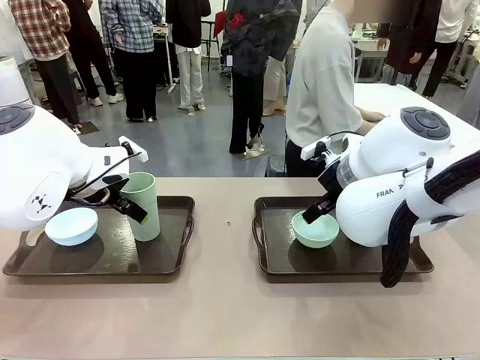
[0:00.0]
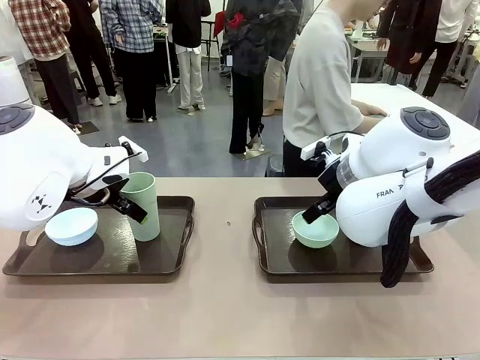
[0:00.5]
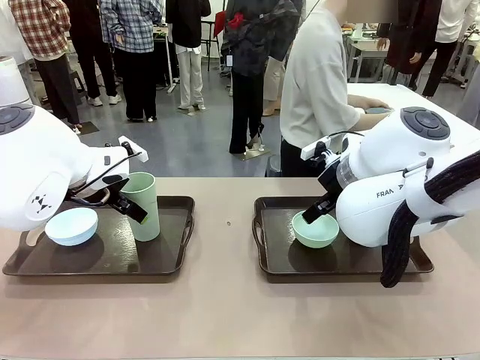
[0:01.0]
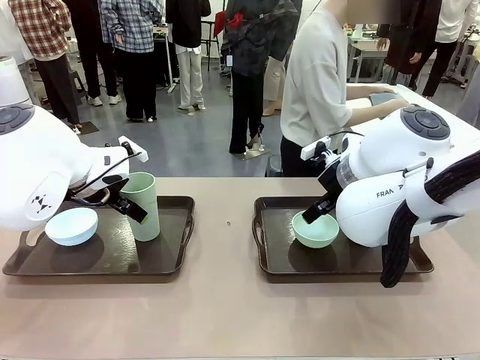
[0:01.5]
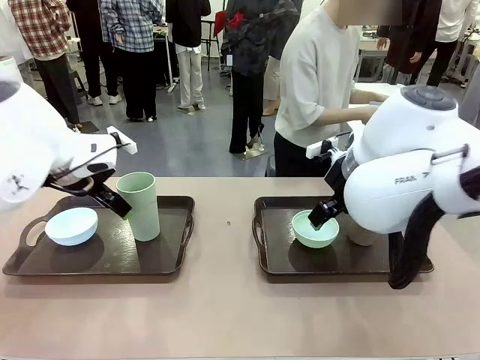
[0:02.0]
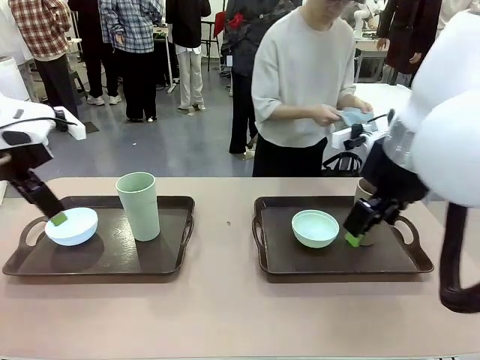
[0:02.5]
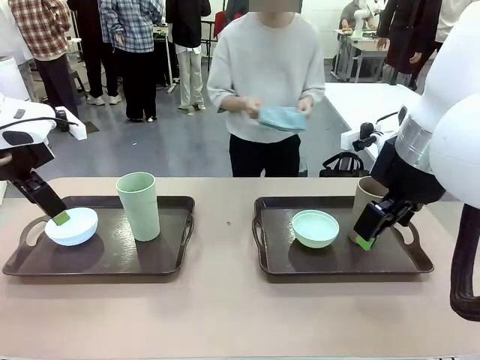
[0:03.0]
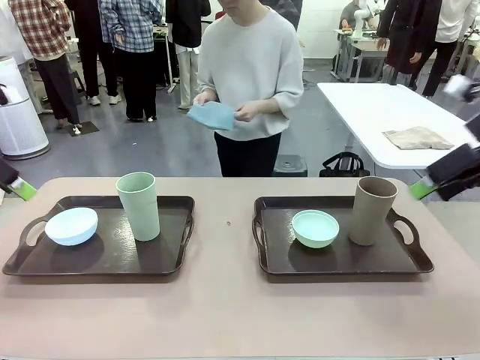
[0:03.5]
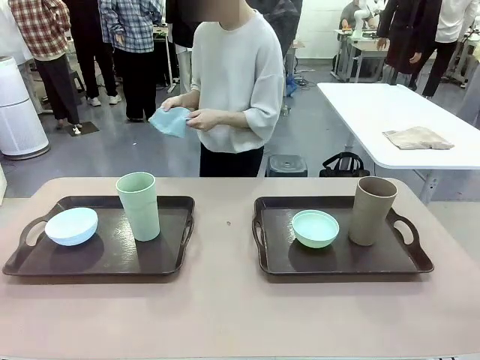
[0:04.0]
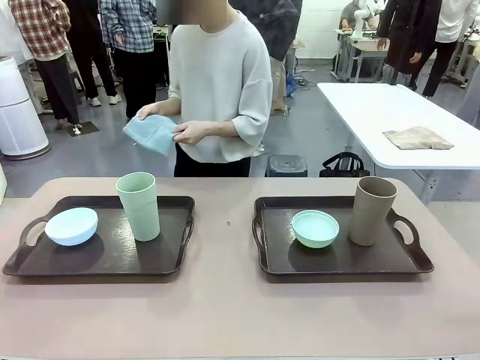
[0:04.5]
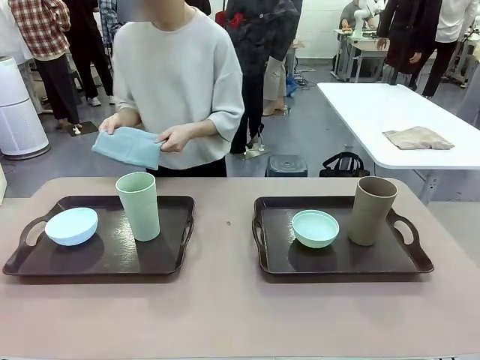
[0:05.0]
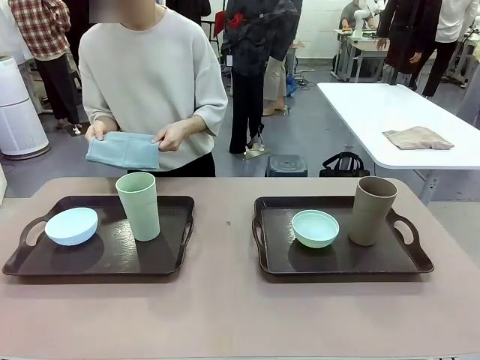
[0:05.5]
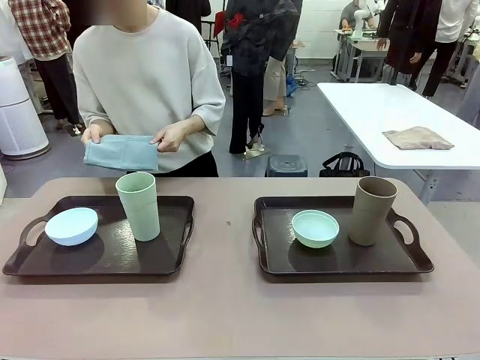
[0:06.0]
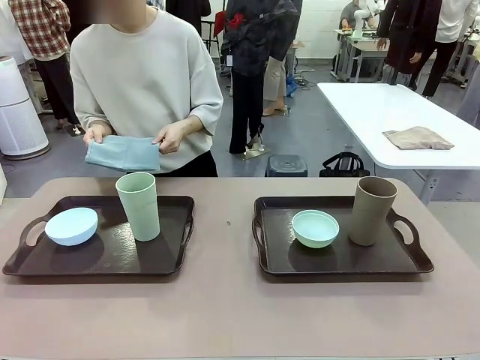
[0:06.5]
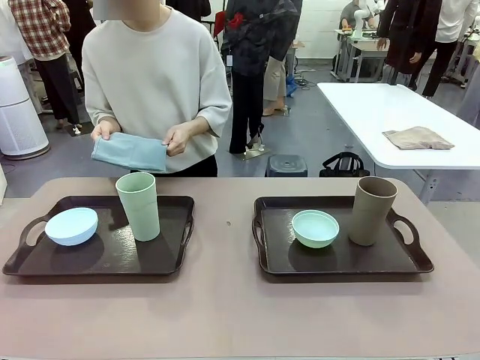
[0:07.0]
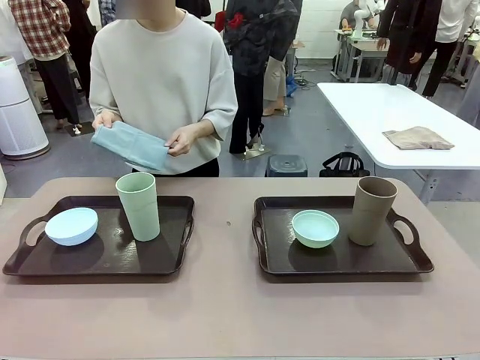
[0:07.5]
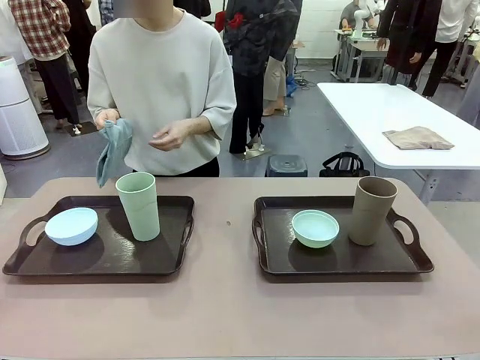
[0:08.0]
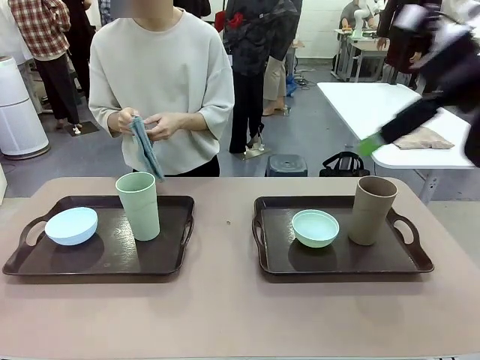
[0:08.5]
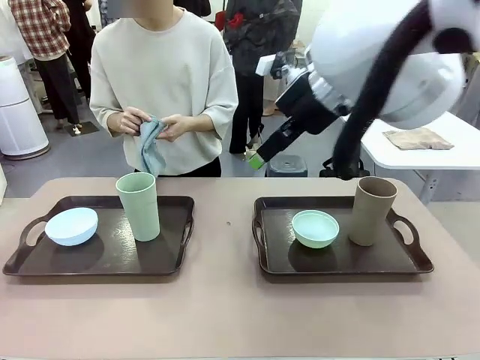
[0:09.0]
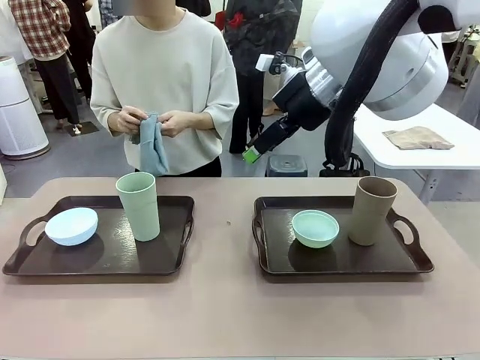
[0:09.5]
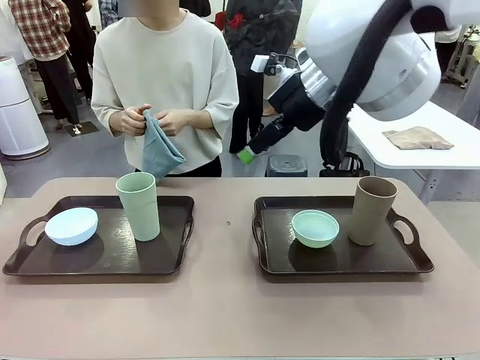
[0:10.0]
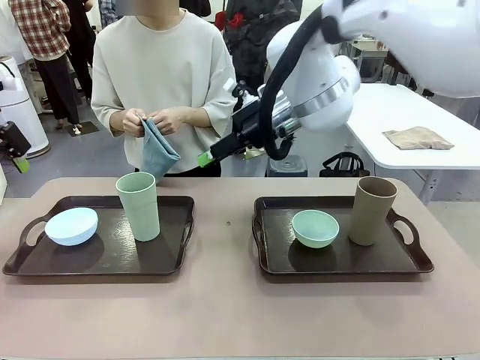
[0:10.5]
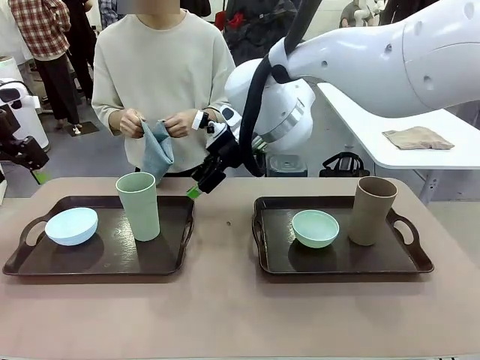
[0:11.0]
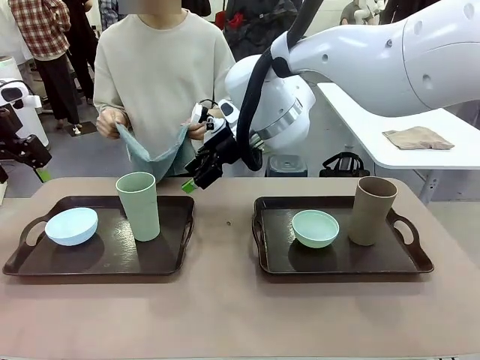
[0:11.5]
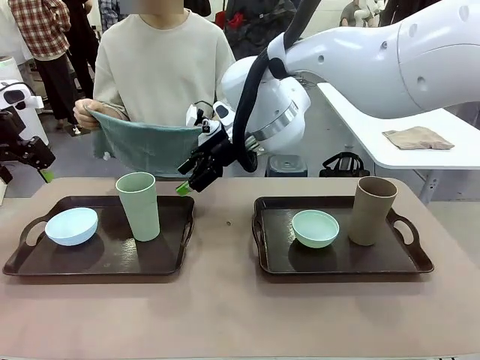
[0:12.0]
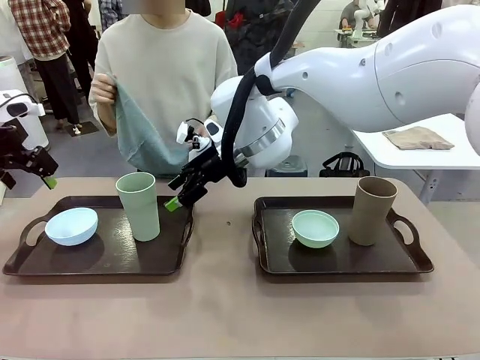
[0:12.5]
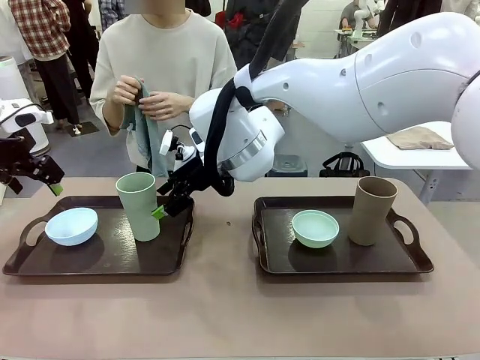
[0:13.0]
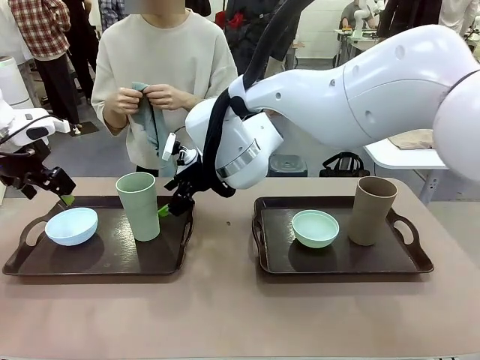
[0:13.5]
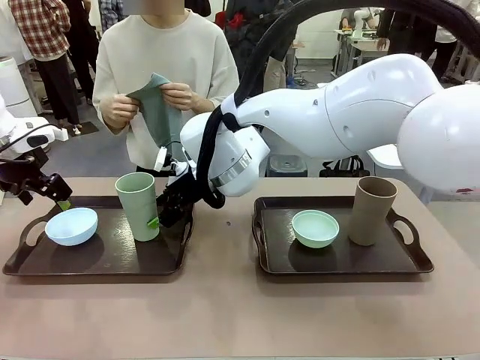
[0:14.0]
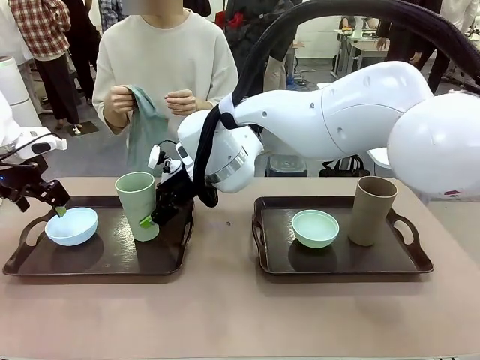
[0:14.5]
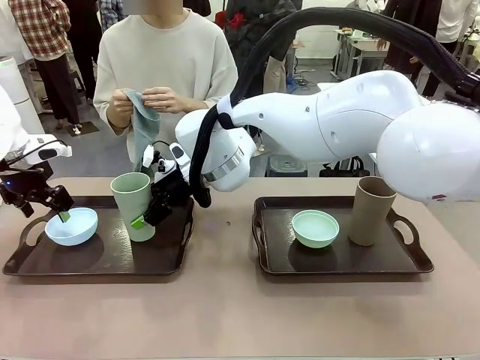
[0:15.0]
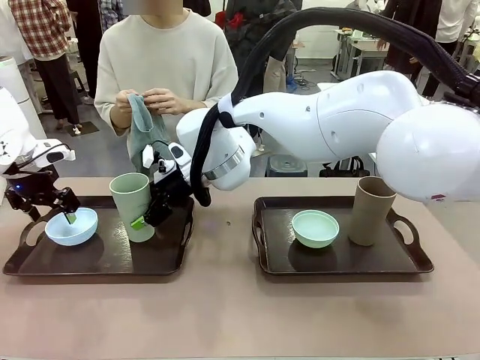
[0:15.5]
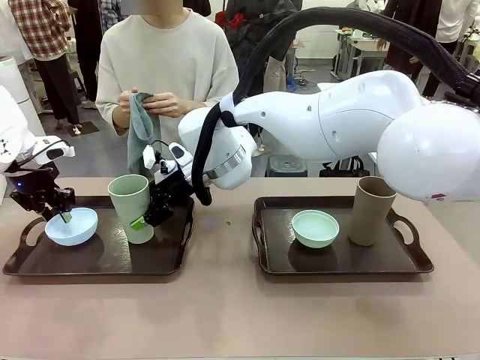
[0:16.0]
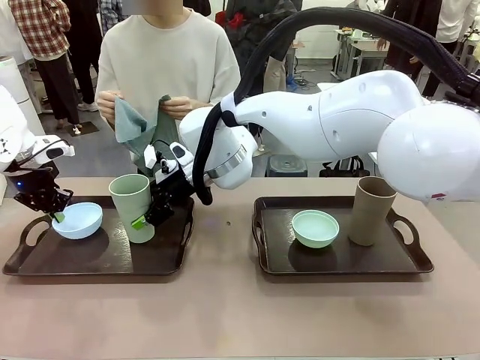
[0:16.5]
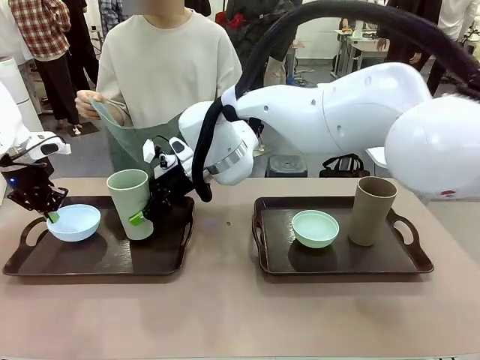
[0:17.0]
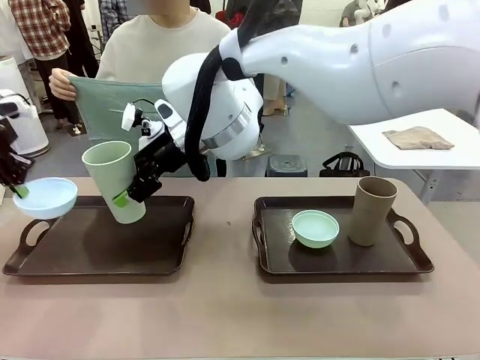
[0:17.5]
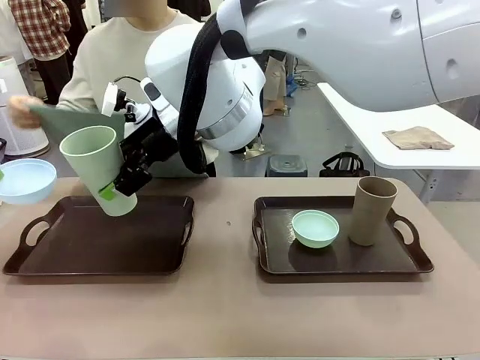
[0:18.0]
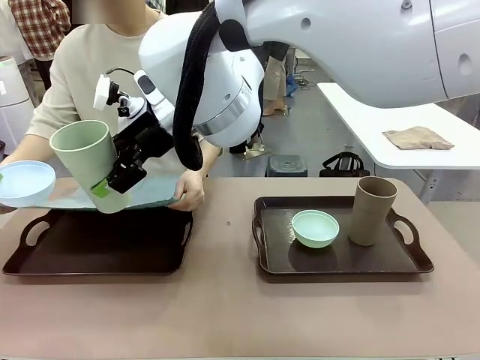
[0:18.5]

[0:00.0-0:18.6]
Robot: Pick up the Picnic Bowl and Reusable plastic cup from the Handle tray in front of the human's position and hold them in the air.
Person: The human picks up the top napkin from the stack on the human table and walks to the robot table to stand in front of one of the two trays. When the robot lifts the bowl and the cup, the human unfolds the napkin and lays the napkin flat on the tray.

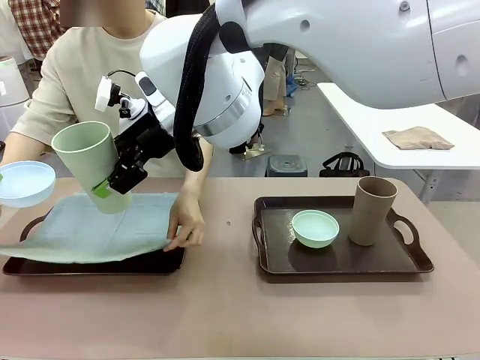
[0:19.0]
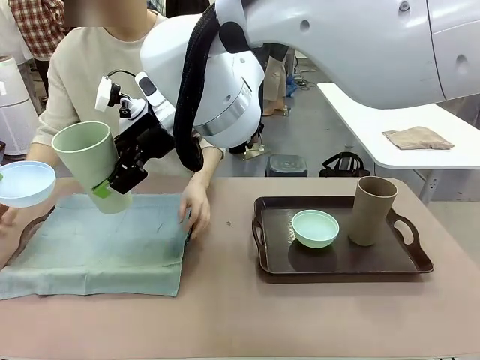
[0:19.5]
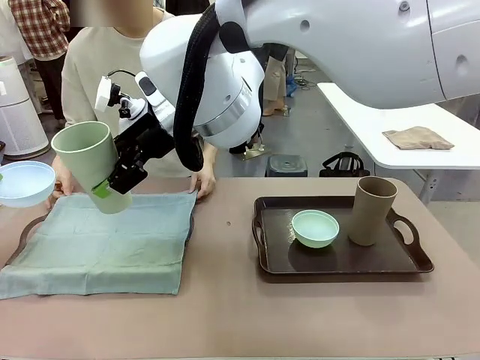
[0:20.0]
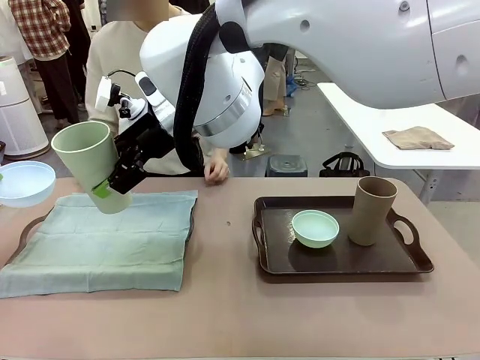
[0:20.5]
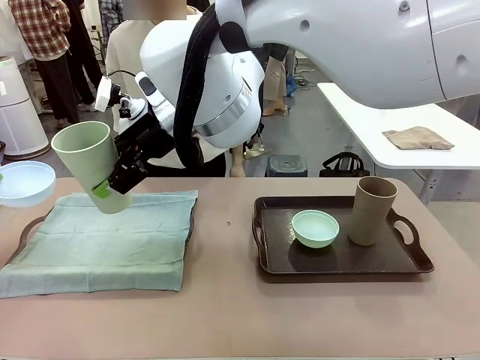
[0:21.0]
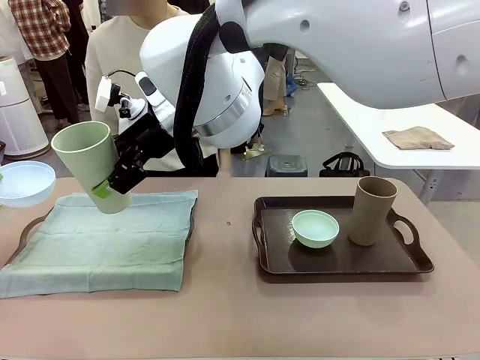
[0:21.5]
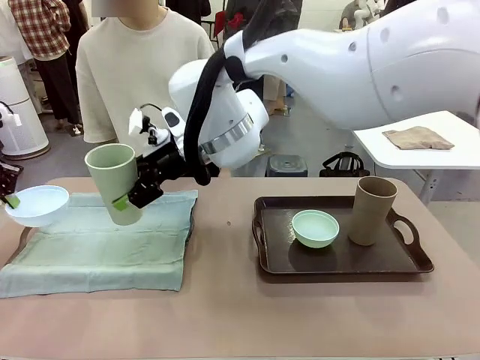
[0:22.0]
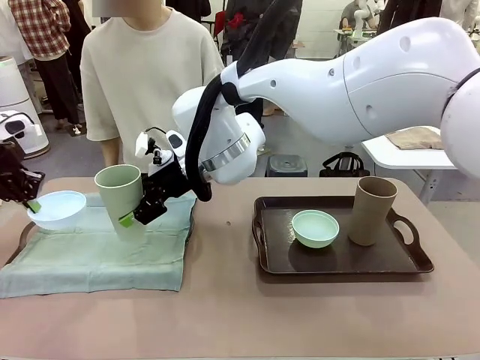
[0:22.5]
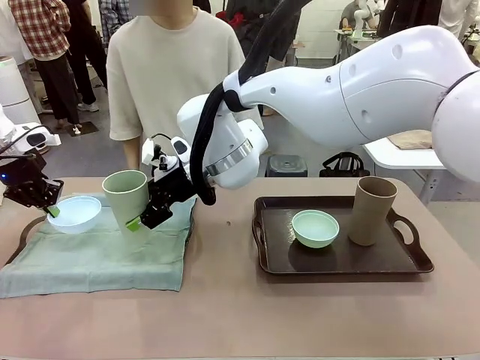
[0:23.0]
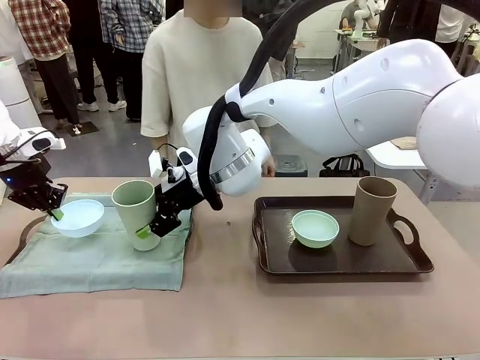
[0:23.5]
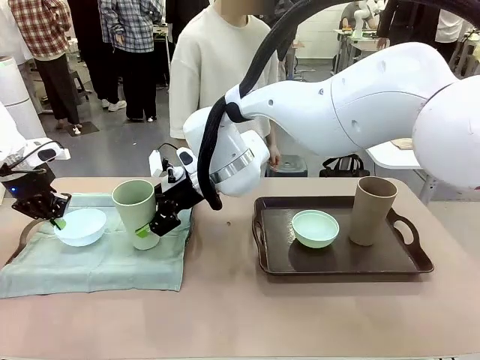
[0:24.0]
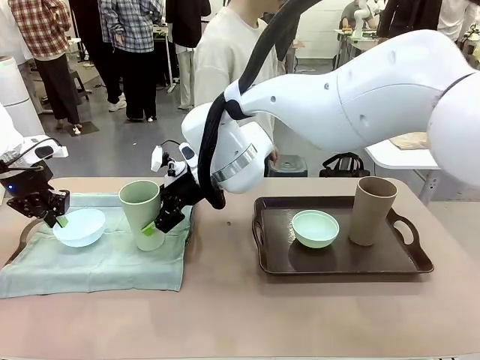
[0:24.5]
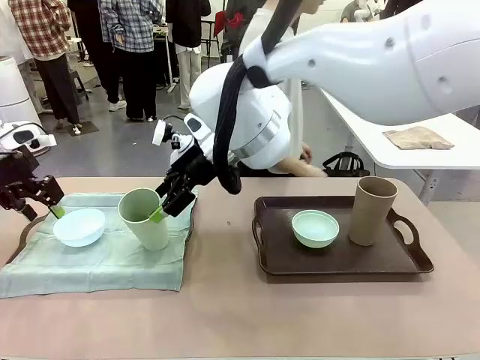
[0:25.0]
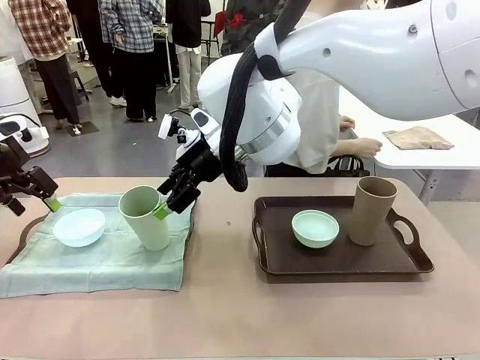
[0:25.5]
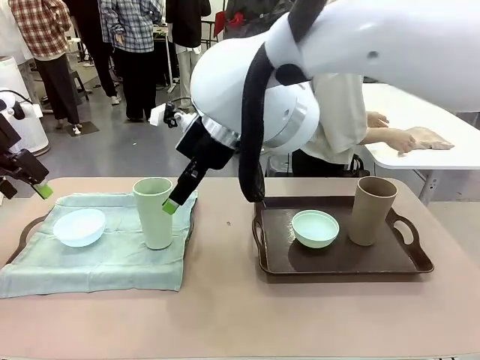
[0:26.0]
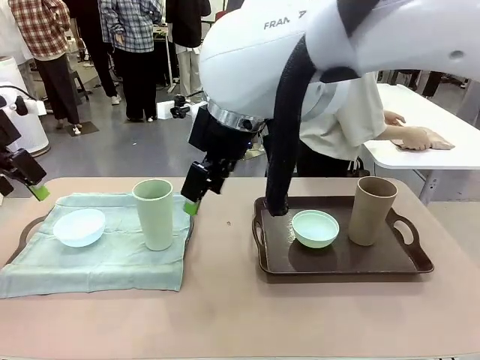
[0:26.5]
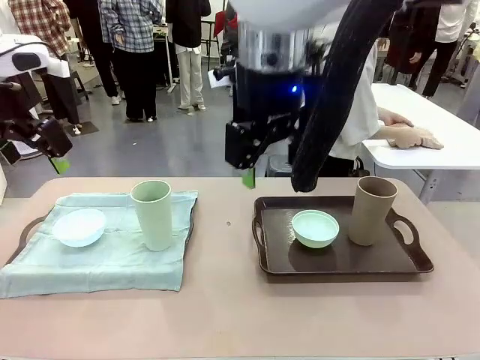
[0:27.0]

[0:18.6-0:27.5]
Robot: Place the Picnic Bowl and Reusable plastic cup back onto the Handle tray in front of the human's position.
Person: The human returns to the human table to pick up another napkin and walks to the robot table to stand in front of the tray without a napkin.
